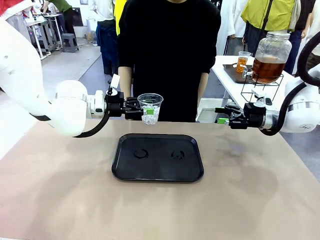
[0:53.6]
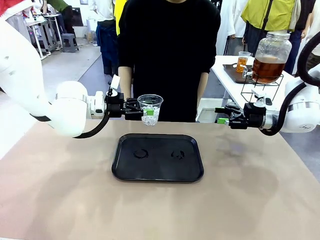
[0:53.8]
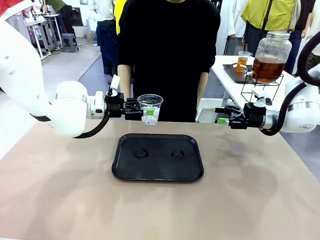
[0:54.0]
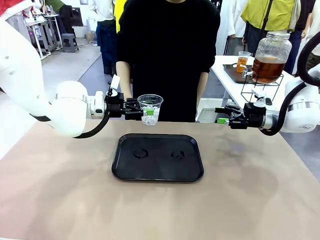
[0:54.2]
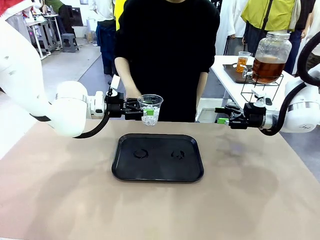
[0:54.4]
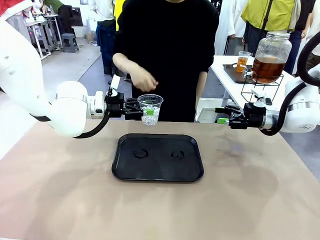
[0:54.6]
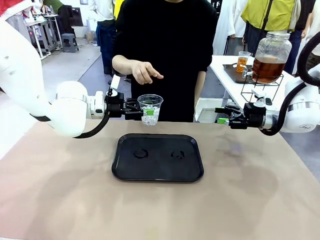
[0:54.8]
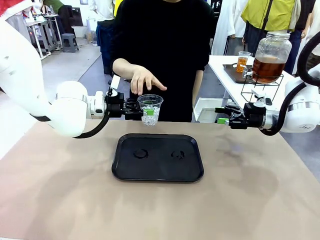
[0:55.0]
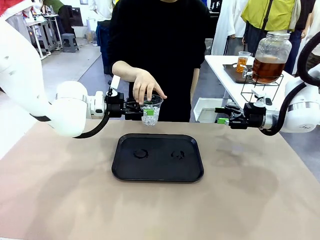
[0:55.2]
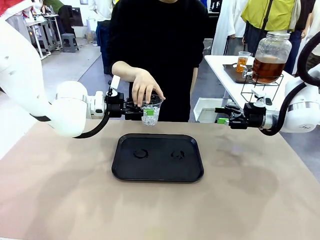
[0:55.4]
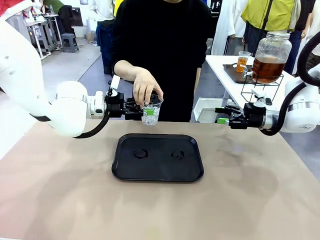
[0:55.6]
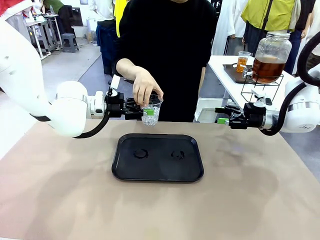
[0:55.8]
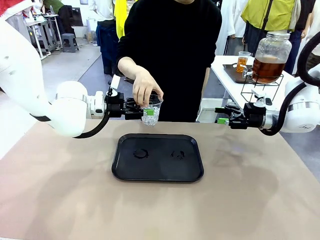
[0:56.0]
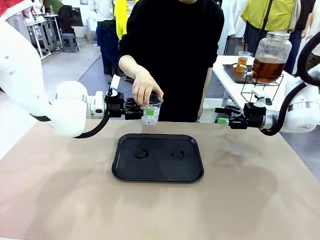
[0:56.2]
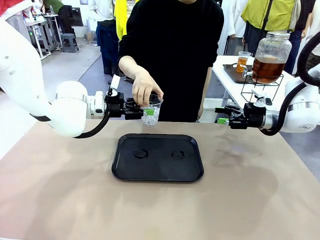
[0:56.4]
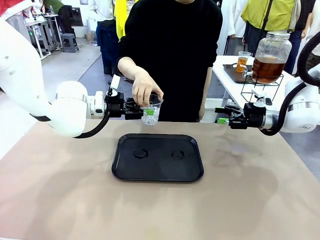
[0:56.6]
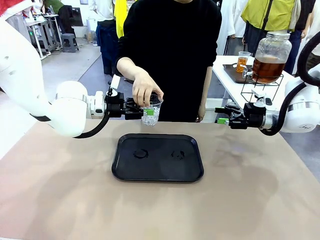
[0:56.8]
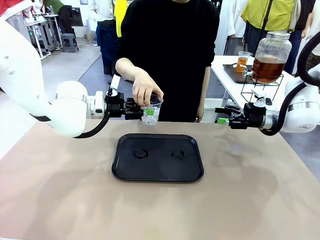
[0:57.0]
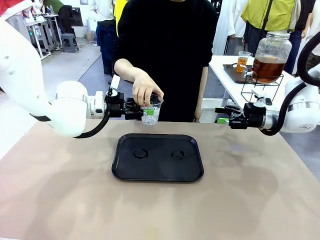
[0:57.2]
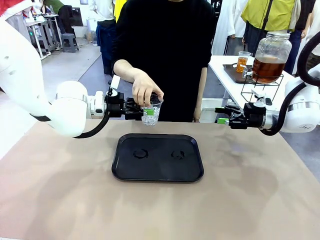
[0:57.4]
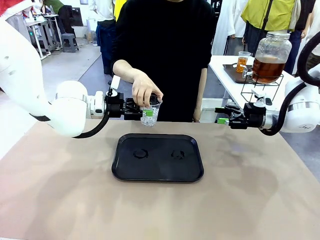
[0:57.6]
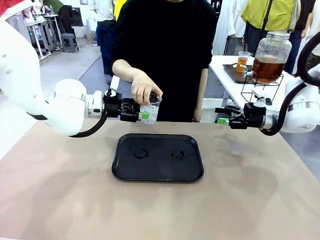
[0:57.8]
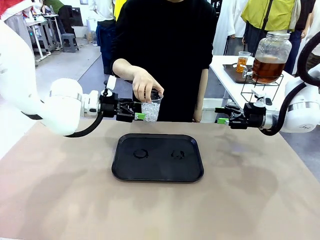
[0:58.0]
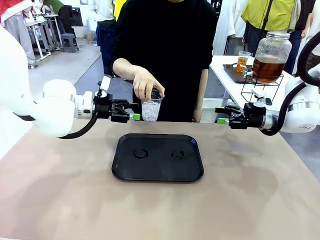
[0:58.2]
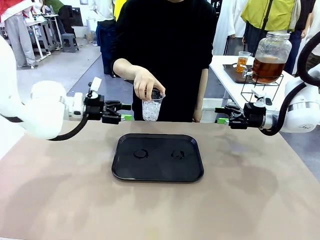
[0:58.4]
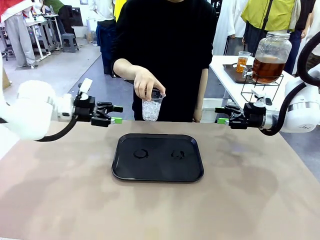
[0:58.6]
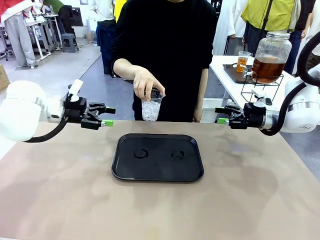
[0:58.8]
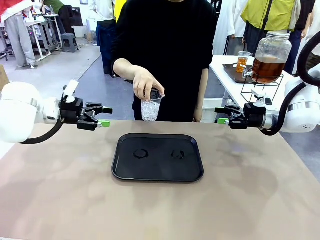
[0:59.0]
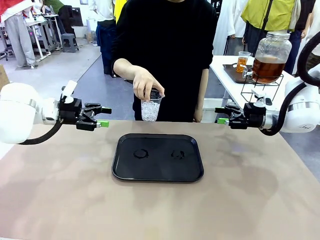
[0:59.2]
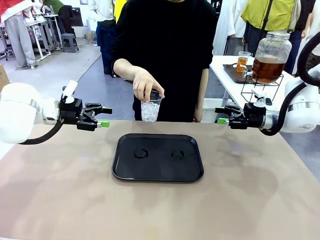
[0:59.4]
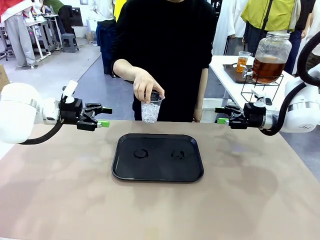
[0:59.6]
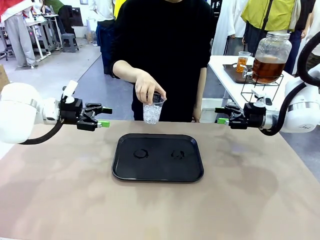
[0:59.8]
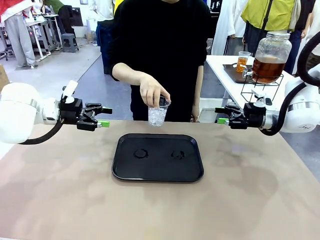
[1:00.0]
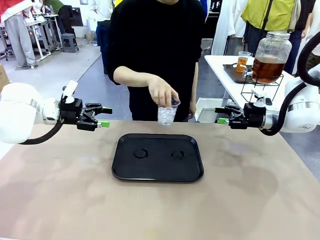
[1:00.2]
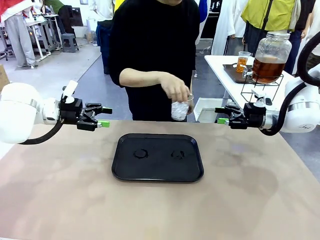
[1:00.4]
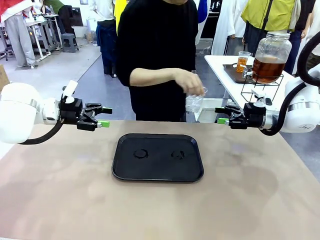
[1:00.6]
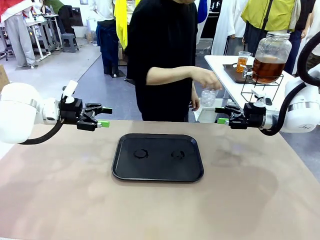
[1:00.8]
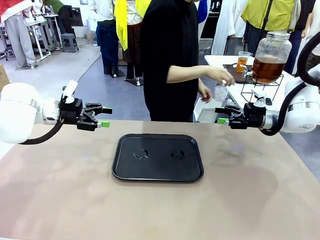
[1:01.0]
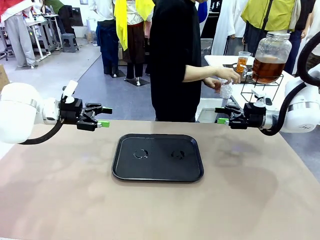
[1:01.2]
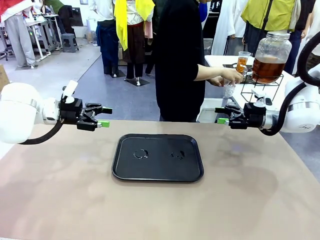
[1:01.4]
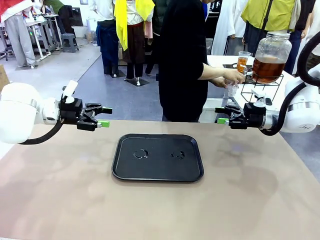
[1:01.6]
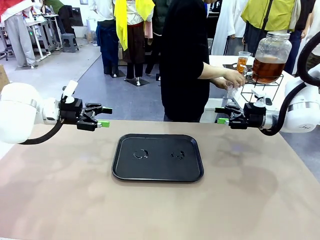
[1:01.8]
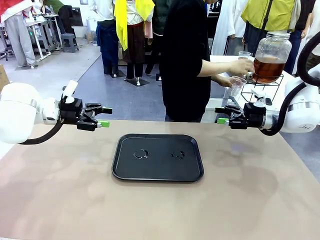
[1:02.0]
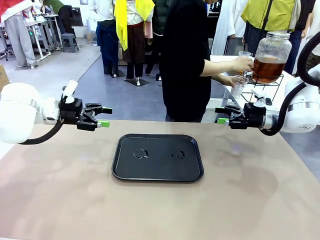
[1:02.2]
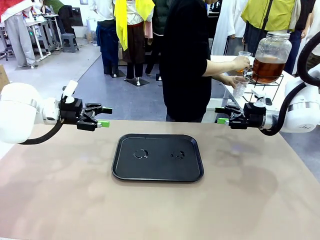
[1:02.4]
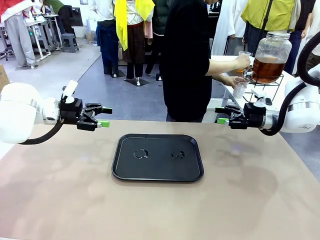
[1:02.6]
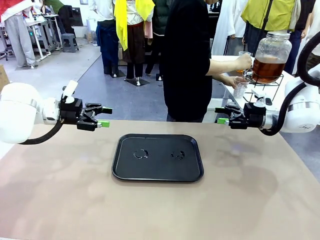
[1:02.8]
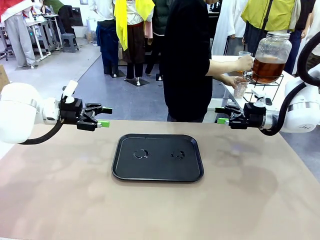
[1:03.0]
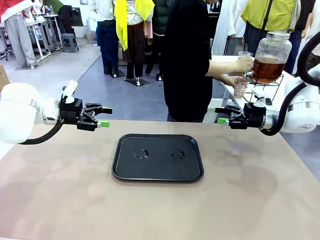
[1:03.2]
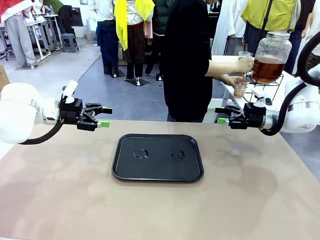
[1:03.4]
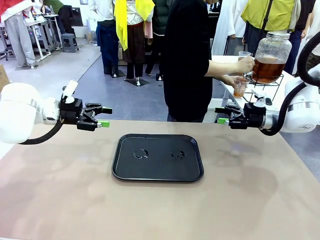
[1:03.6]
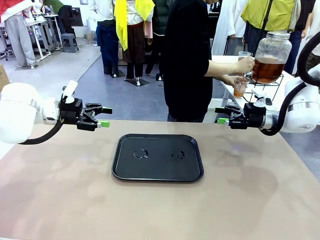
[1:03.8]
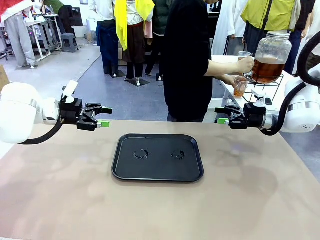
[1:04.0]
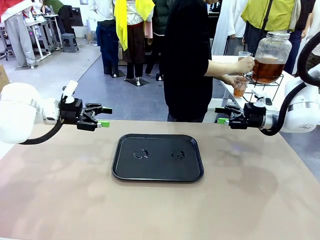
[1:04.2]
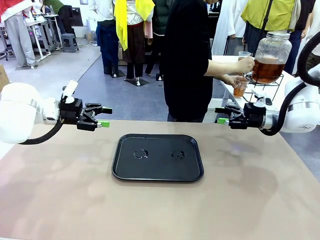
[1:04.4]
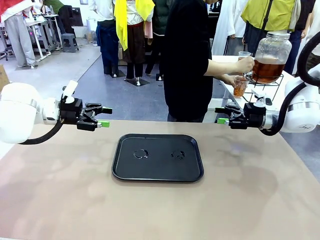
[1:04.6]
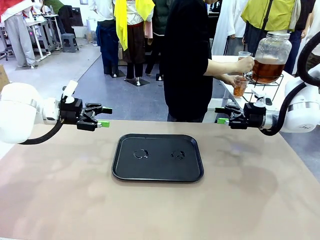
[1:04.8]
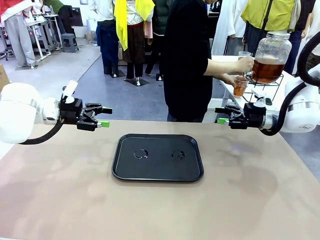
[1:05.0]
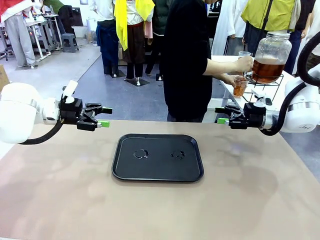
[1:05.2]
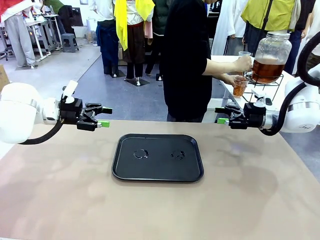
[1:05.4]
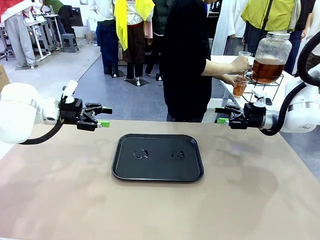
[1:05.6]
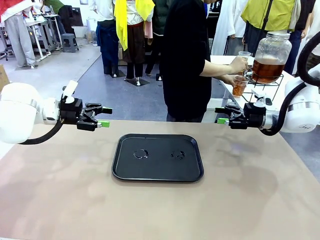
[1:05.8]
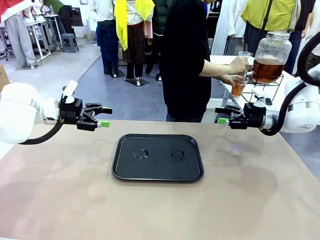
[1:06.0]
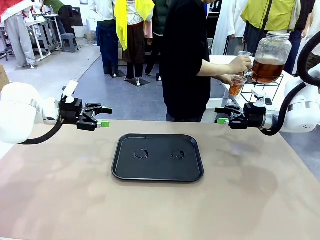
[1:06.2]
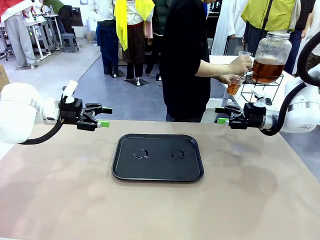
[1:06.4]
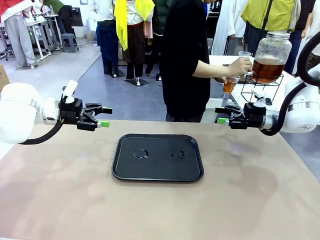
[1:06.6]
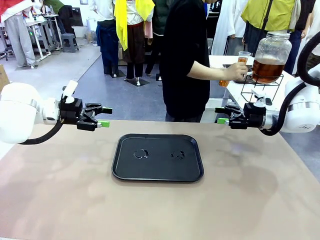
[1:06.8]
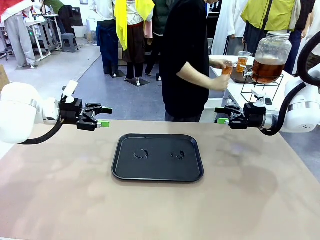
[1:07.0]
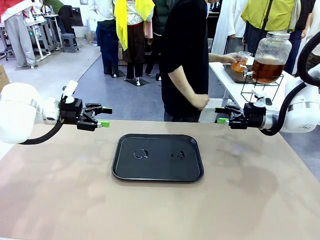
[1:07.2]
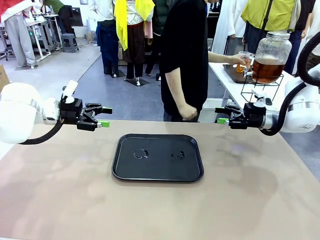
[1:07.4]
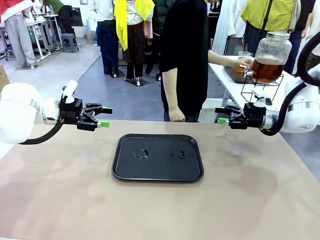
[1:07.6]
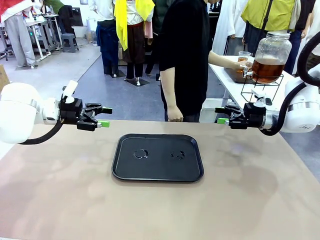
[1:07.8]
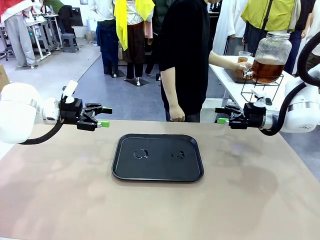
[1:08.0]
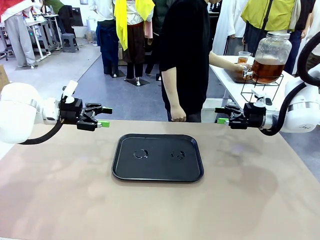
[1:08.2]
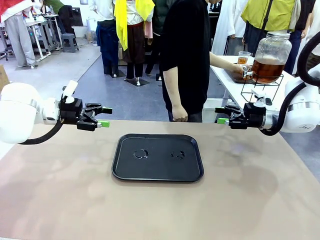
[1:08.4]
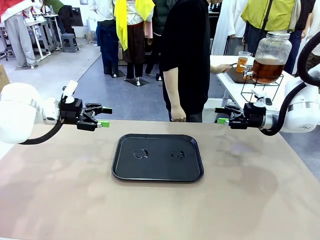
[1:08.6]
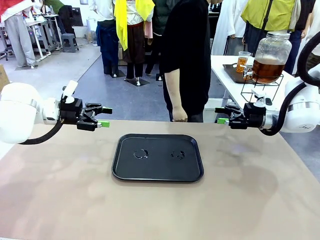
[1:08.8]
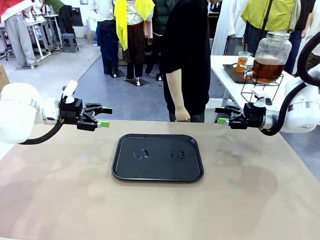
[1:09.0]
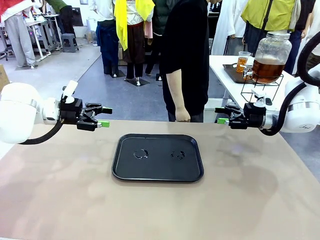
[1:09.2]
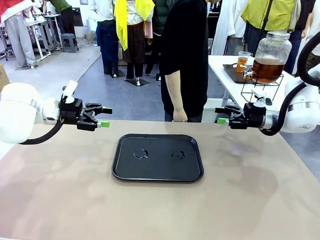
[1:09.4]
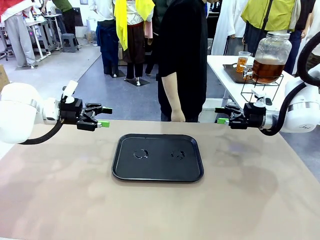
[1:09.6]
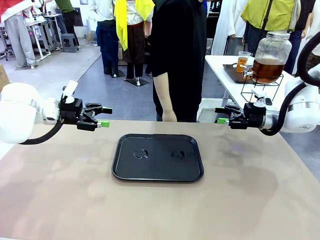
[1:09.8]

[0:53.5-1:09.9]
Task: Pour the drink into the iced cup.
Robot: Open the gripper to release the iced cup you were holding.
Person: Move the picked-up cup under the dispenser faucet, pour the drink, and place it on the tray on the human table.
